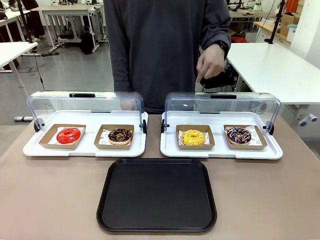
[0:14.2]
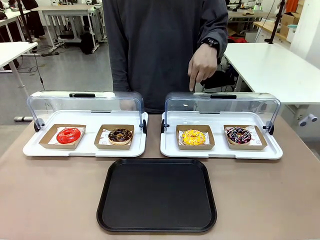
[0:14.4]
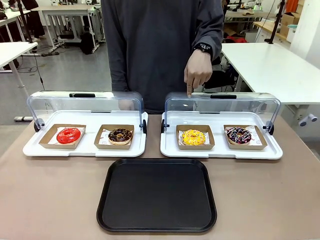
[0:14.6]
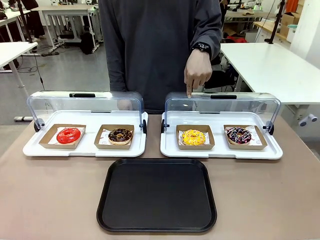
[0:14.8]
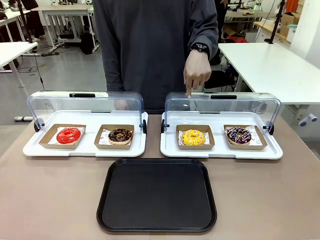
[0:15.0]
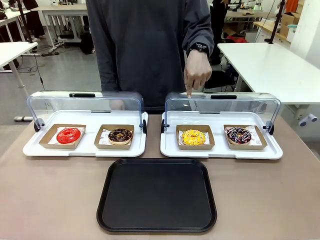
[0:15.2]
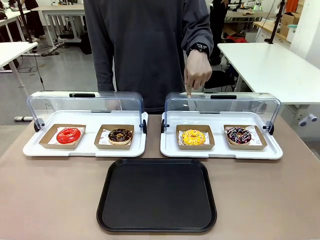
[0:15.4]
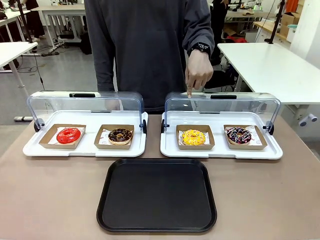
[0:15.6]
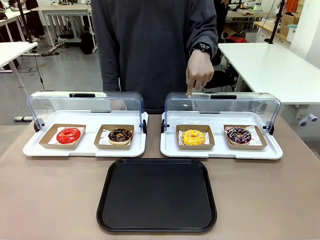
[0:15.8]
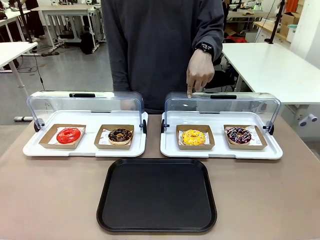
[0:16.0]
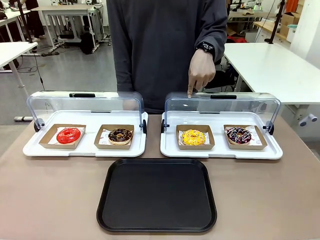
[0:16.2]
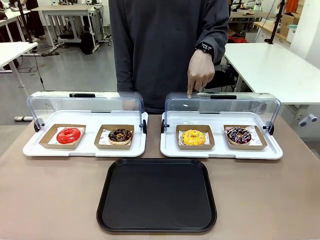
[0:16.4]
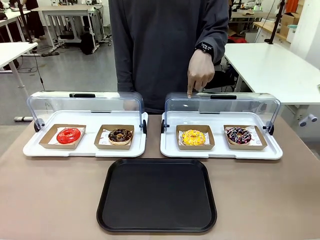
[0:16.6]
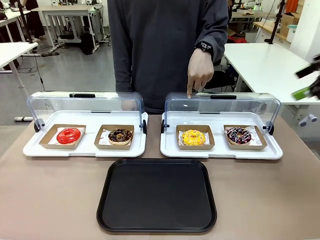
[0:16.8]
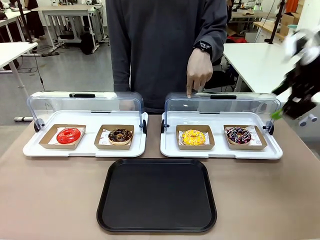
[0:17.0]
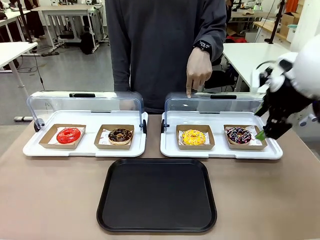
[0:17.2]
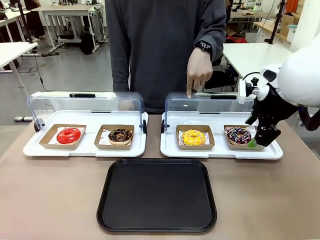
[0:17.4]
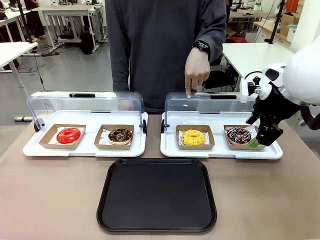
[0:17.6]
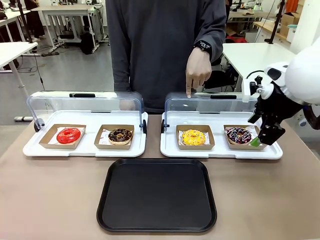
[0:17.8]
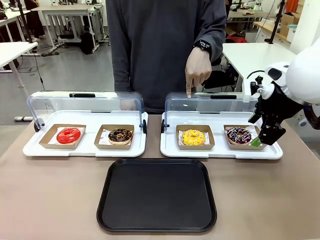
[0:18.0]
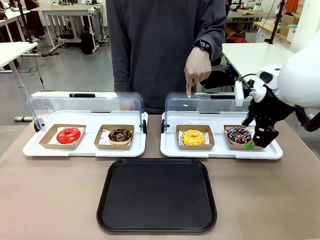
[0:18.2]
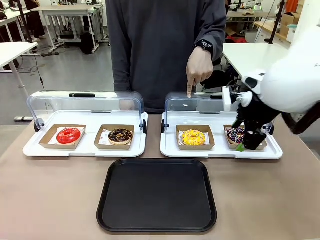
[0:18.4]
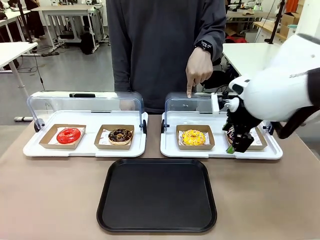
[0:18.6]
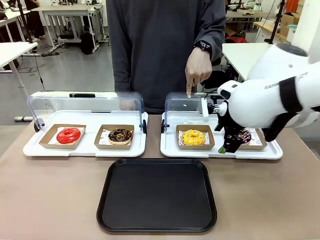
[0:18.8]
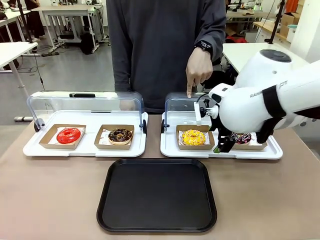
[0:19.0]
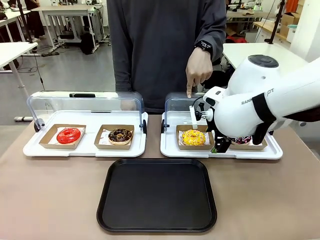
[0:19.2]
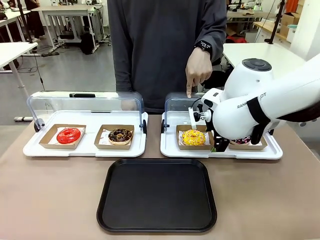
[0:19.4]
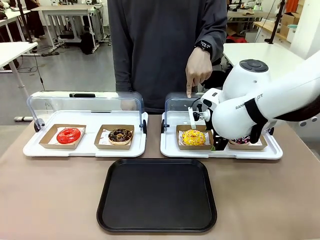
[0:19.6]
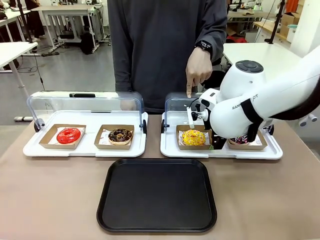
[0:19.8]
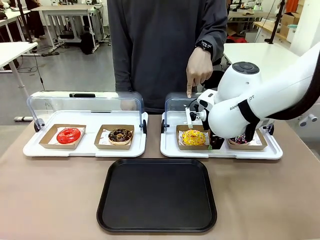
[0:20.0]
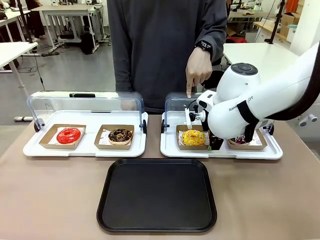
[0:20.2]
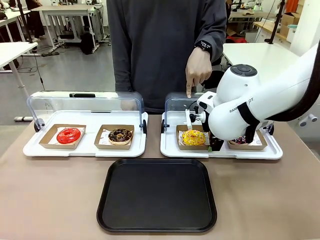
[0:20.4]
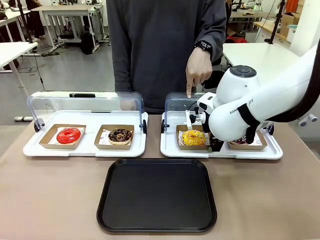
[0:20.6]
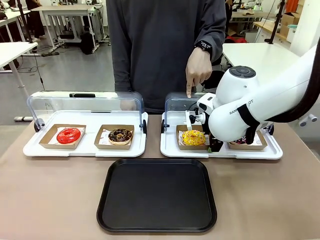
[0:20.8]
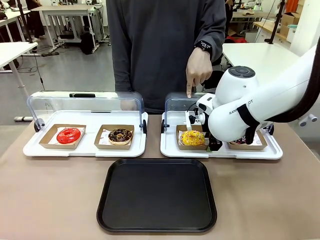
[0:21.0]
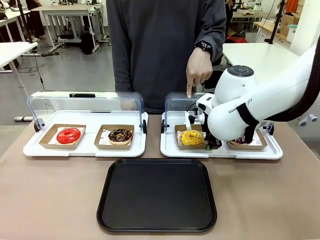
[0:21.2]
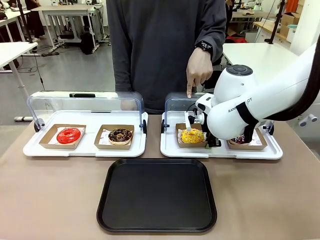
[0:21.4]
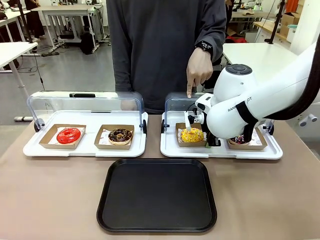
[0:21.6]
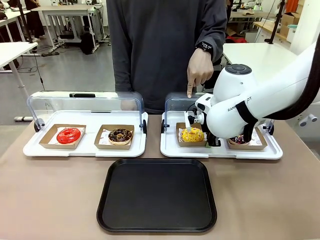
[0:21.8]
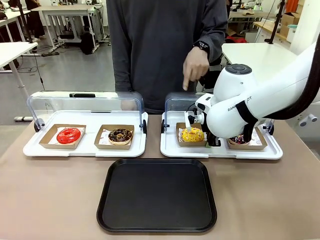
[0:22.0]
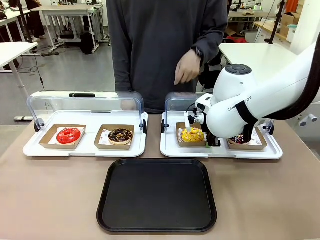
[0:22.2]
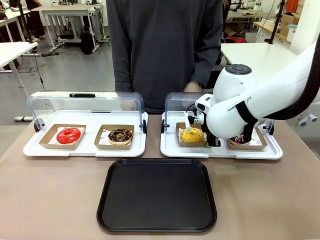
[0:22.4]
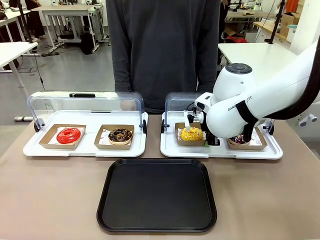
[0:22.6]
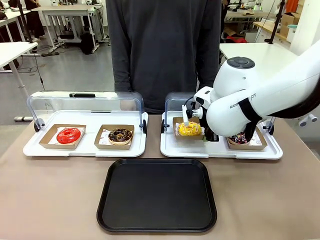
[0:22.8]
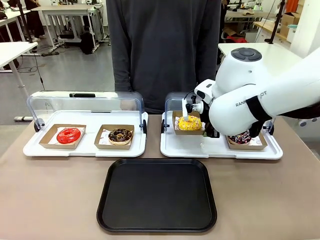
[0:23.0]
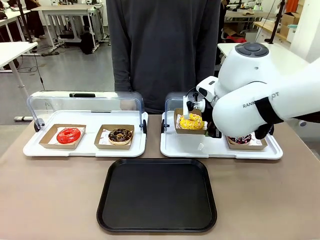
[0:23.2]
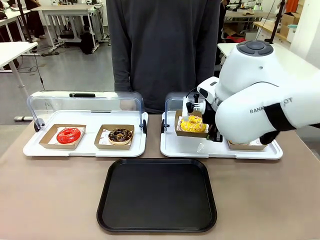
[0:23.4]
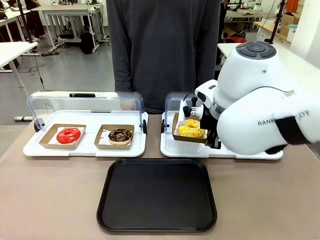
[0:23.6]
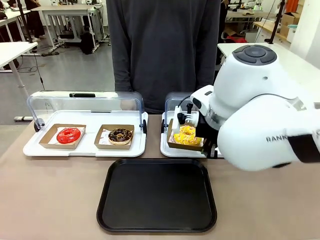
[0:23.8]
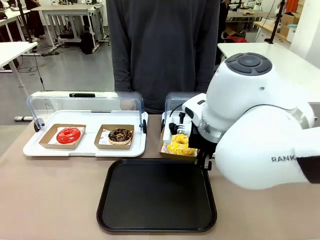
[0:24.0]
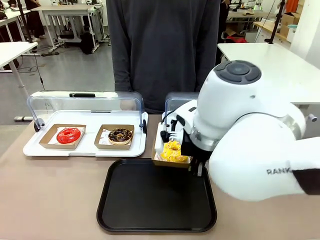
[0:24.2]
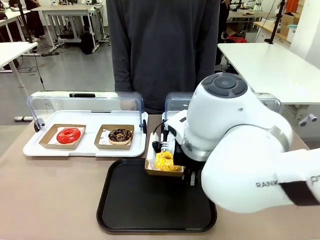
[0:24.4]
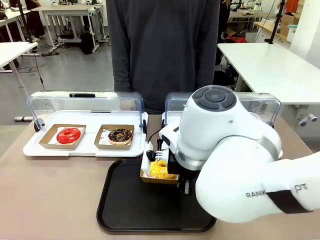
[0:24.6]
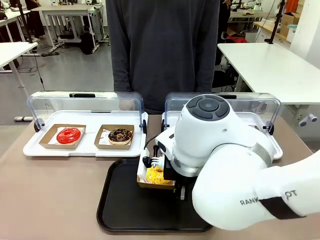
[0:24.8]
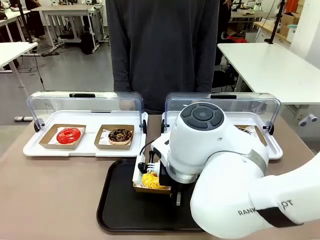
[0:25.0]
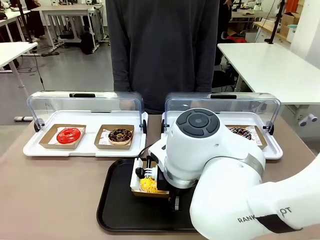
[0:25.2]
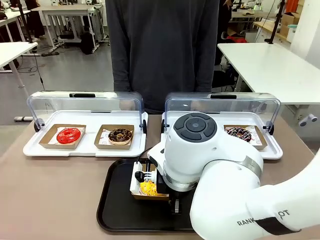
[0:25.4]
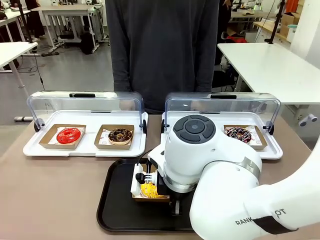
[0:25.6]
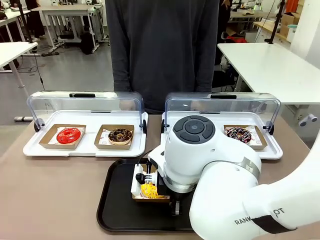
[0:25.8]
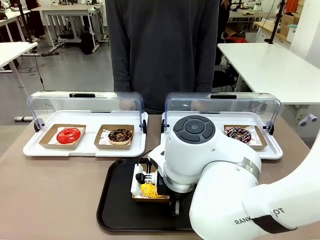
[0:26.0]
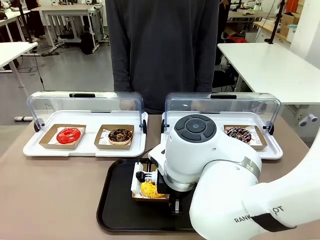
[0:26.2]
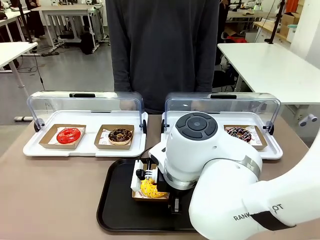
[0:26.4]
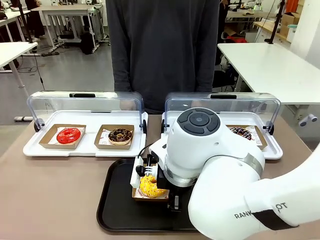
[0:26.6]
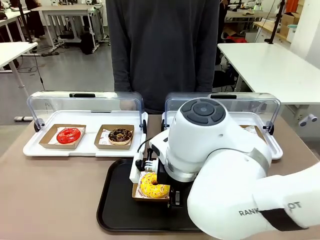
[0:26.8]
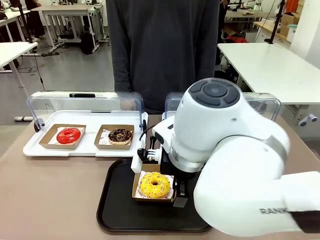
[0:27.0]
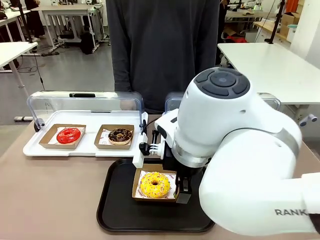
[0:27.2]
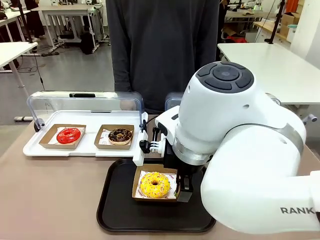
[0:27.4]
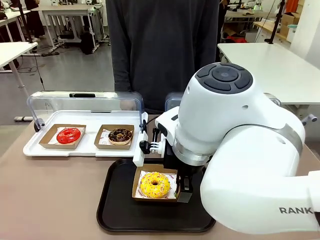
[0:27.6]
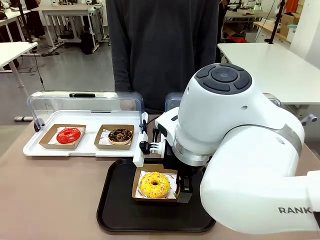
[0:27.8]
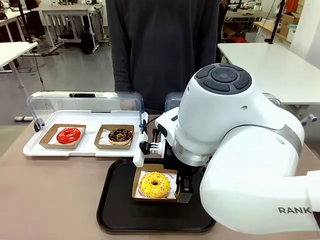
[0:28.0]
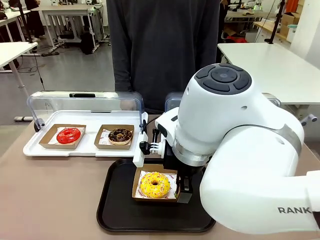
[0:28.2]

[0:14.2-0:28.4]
Task: Move the third donut from the left to the tray.
Robot: Pick up the Paper togo box containing the Donut indicated by the person and place it on the Handle tray.
